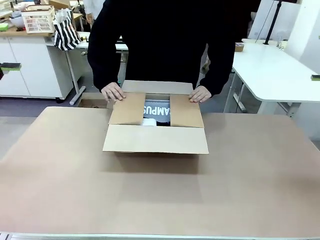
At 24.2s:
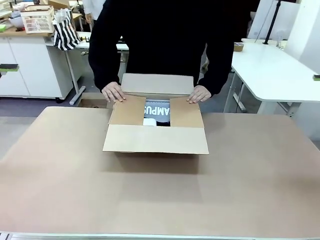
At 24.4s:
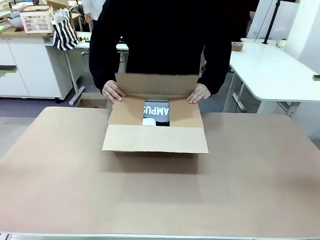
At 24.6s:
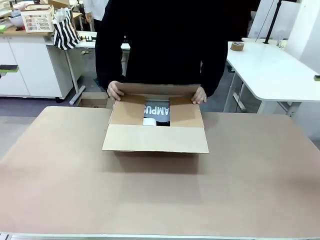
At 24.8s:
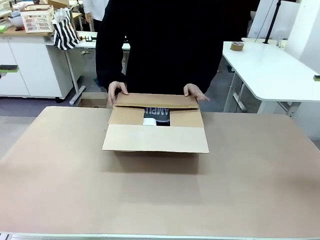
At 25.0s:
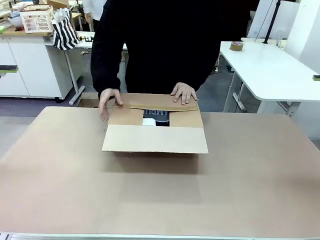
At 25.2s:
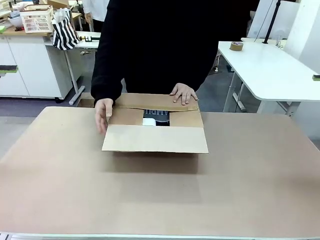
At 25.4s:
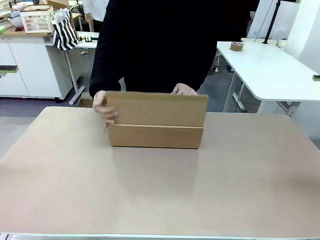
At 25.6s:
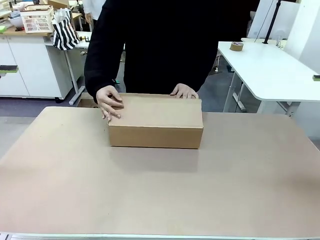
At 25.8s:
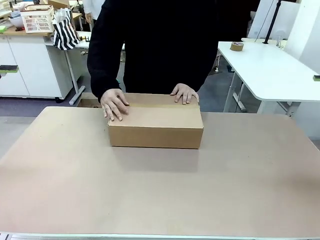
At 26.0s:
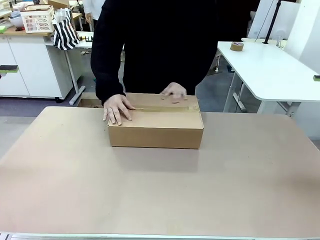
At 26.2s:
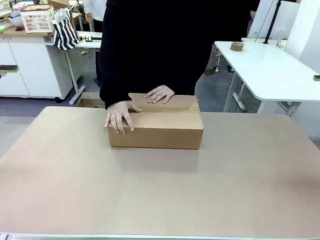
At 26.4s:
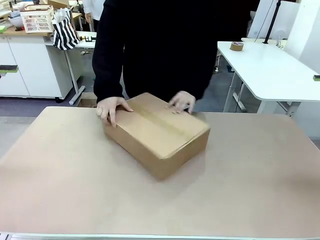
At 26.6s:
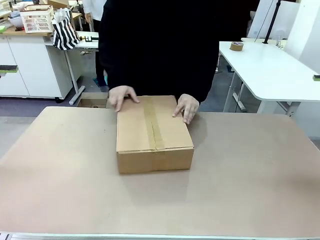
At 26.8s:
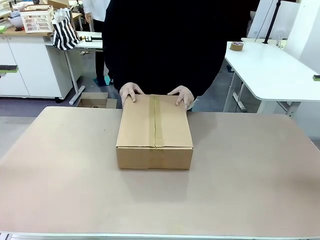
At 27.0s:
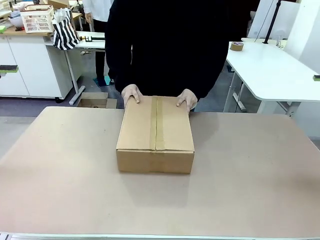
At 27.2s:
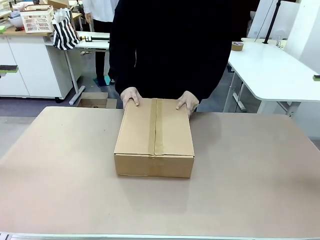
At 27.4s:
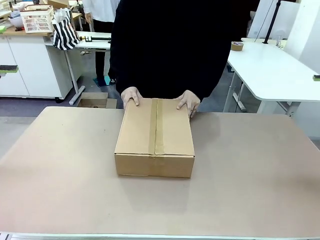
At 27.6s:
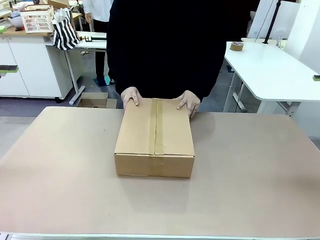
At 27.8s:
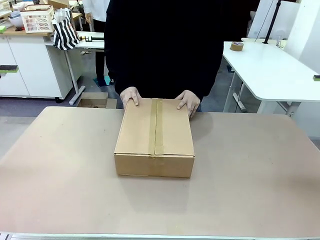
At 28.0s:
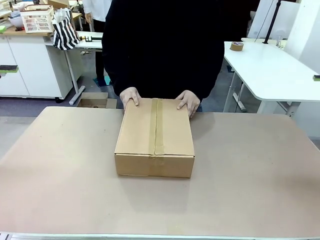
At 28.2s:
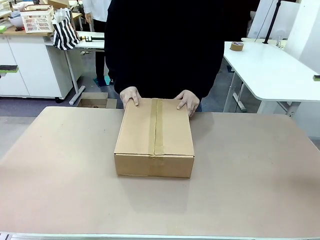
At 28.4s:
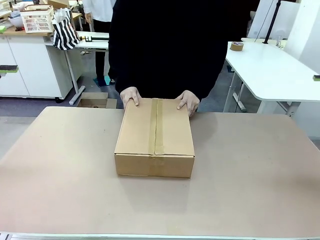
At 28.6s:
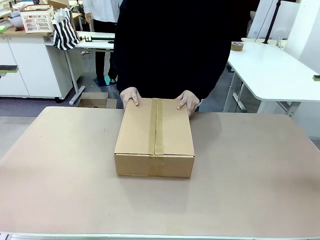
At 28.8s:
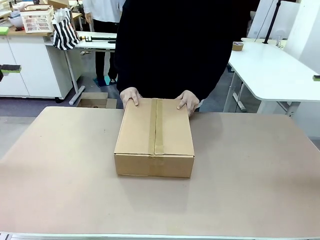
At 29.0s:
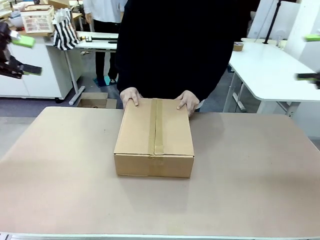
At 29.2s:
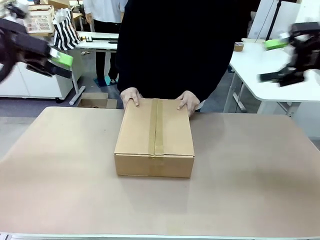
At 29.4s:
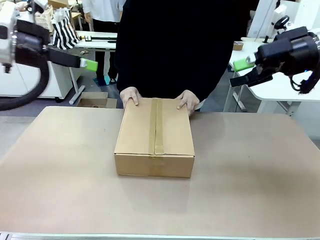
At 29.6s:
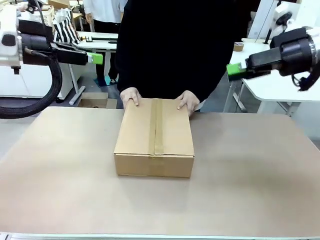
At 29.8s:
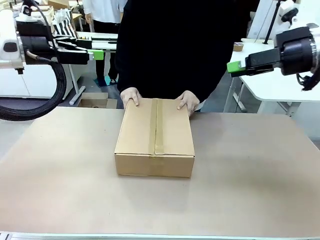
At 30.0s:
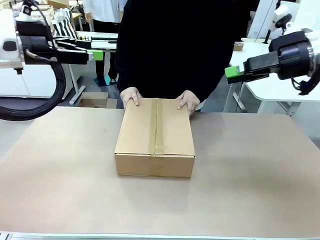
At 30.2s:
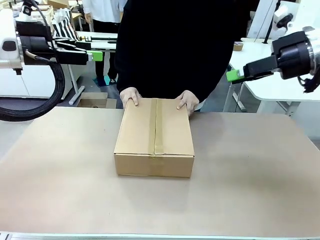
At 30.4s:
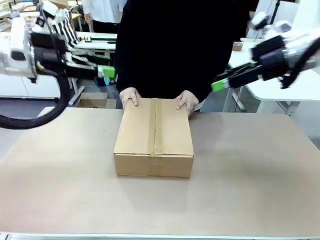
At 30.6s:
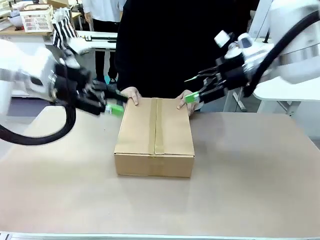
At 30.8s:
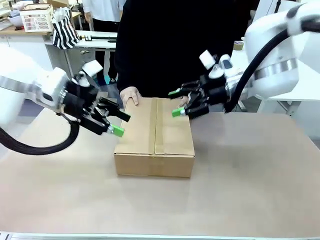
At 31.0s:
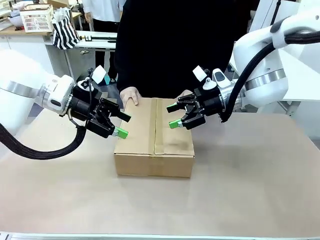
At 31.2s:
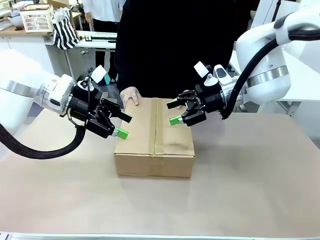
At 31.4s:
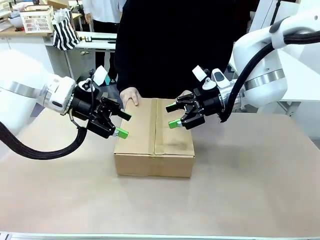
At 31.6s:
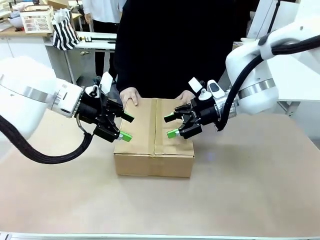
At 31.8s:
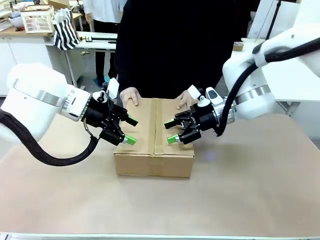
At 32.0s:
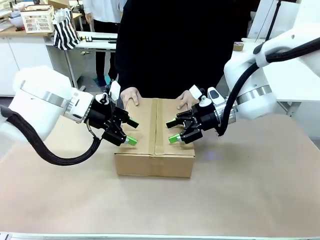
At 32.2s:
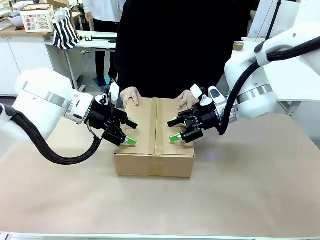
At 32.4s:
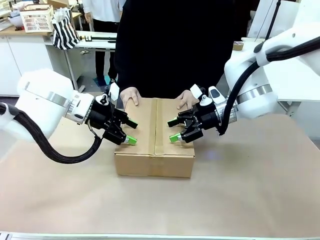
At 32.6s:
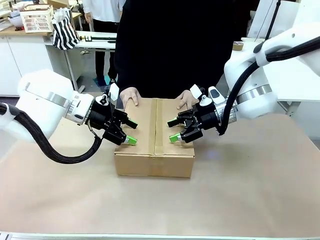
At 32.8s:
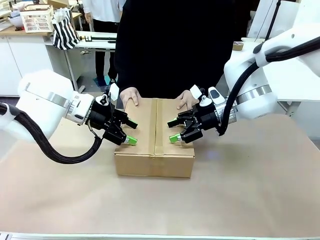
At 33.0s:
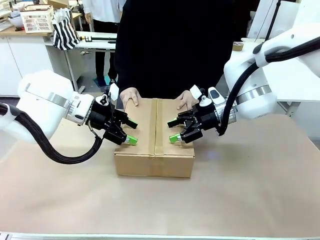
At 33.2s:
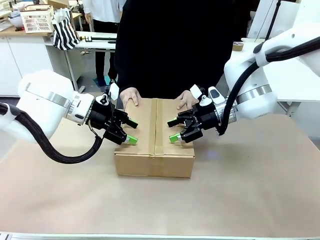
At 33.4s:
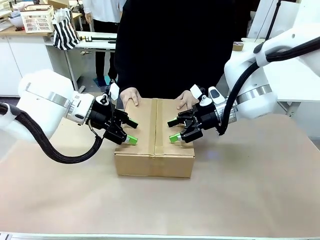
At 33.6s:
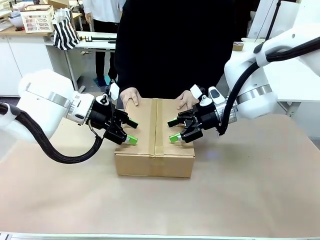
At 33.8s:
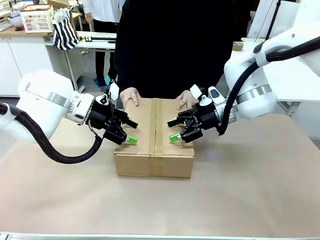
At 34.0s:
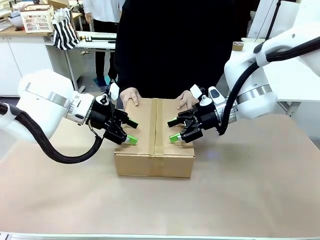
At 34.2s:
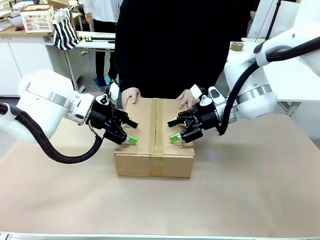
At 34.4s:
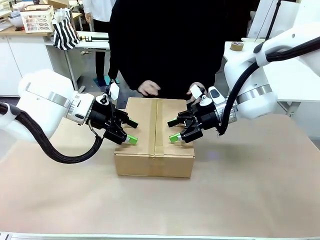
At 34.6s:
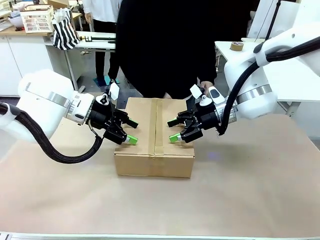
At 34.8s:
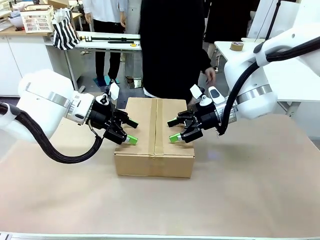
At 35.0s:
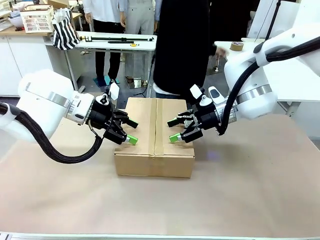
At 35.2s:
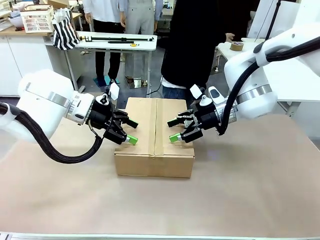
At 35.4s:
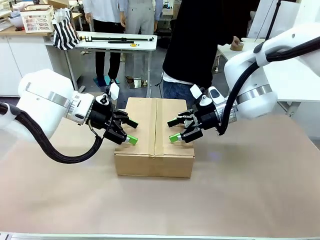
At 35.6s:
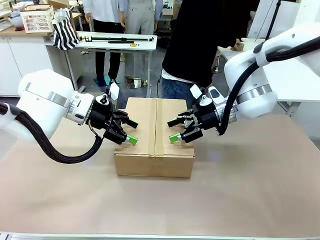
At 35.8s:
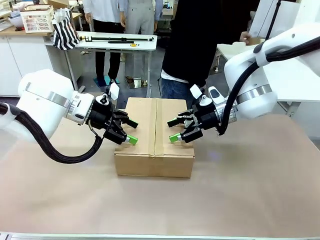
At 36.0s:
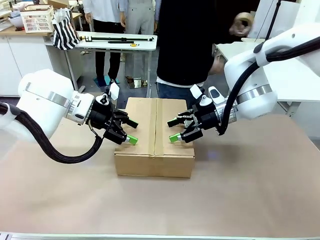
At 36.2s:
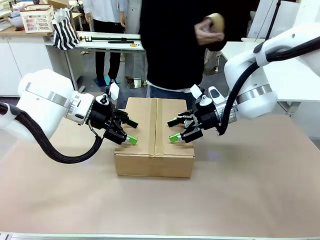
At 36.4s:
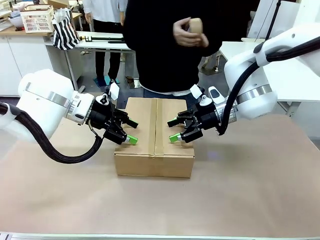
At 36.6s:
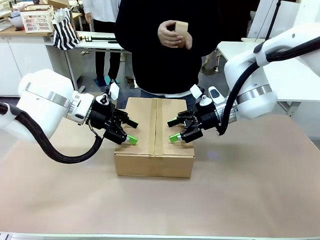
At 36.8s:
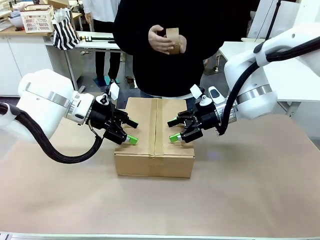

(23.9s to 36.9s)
Task: Pack the gift set into the box.
Robot: Press and hold the closed box until the human finishes sealing it.
Person: The human closes the box and rotates the box by 90 degrees.
